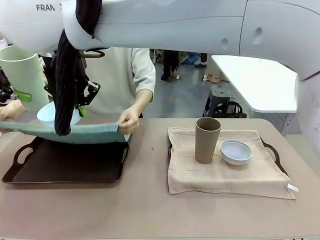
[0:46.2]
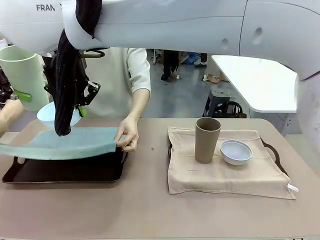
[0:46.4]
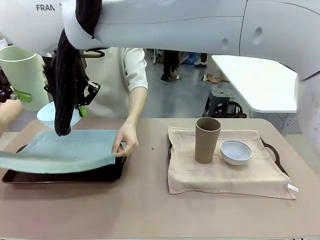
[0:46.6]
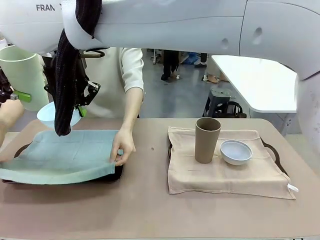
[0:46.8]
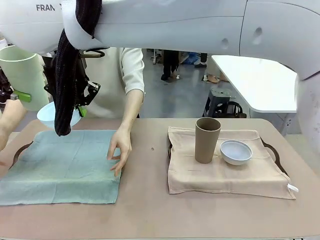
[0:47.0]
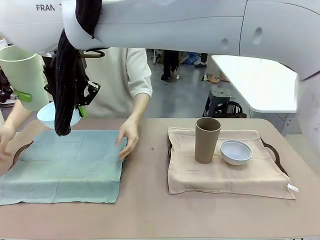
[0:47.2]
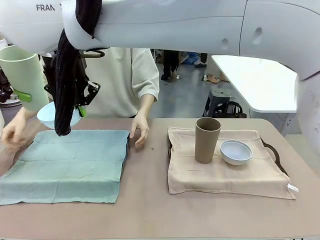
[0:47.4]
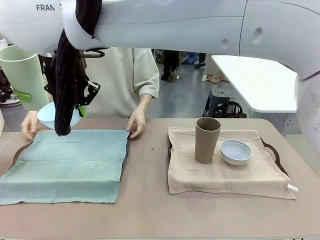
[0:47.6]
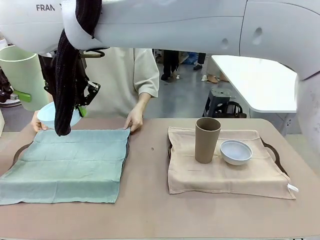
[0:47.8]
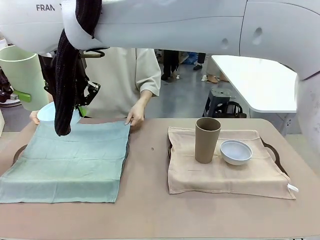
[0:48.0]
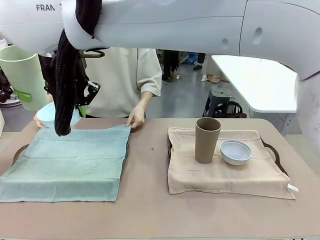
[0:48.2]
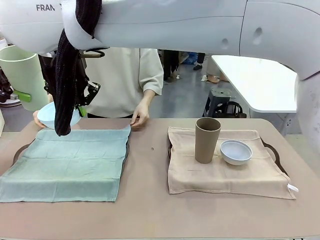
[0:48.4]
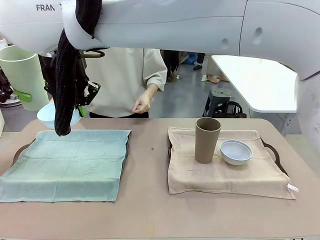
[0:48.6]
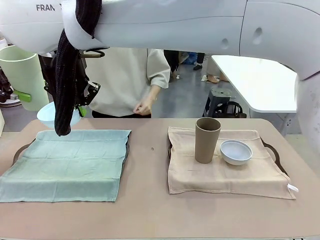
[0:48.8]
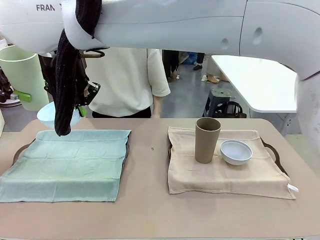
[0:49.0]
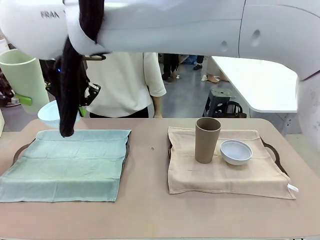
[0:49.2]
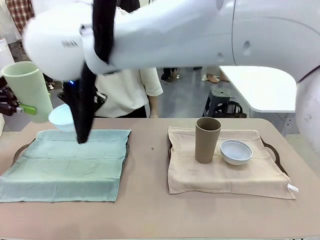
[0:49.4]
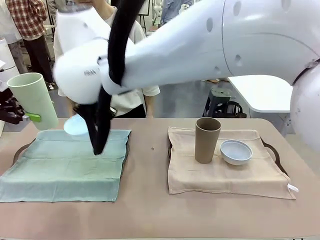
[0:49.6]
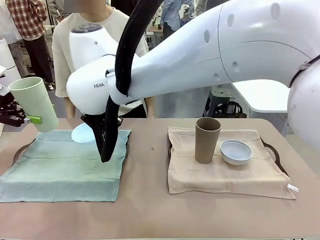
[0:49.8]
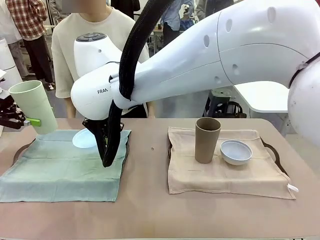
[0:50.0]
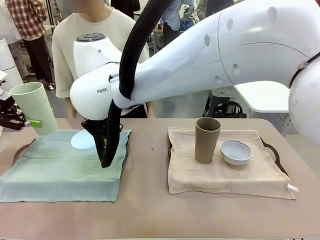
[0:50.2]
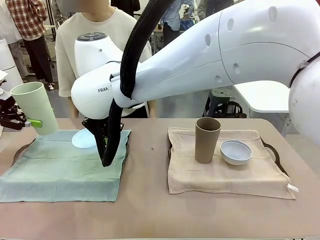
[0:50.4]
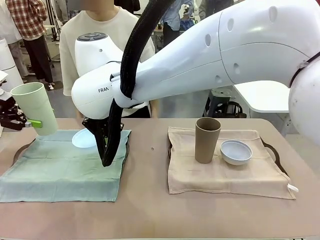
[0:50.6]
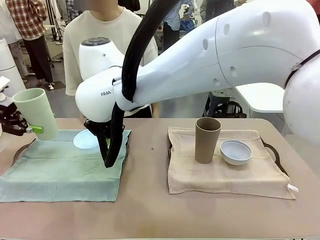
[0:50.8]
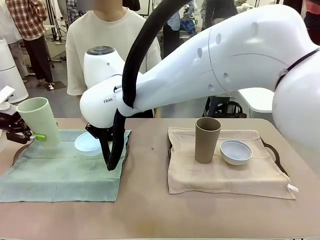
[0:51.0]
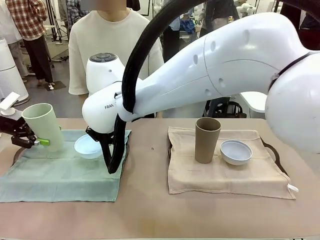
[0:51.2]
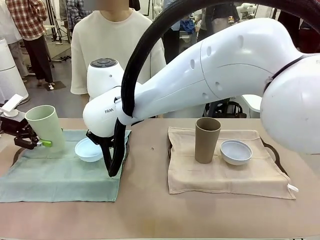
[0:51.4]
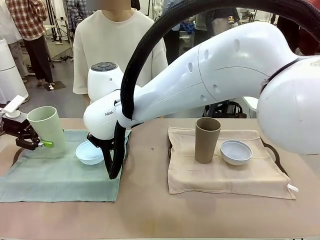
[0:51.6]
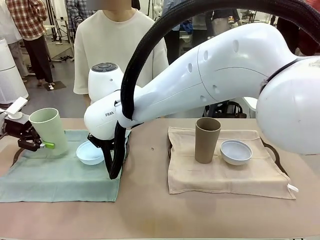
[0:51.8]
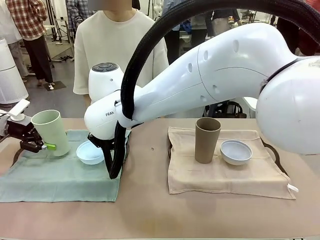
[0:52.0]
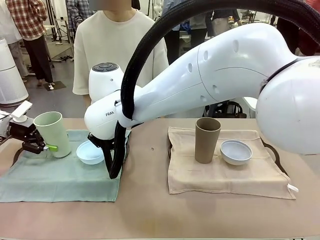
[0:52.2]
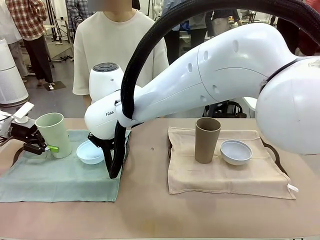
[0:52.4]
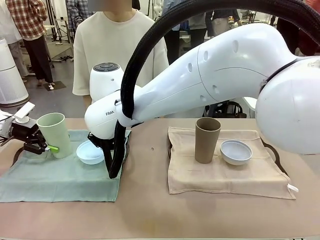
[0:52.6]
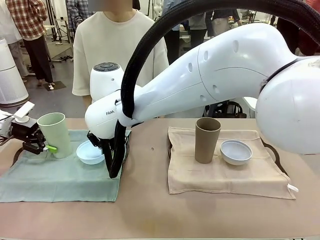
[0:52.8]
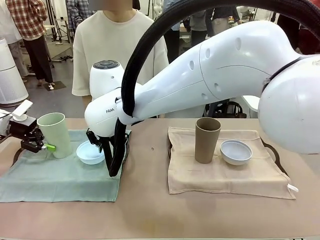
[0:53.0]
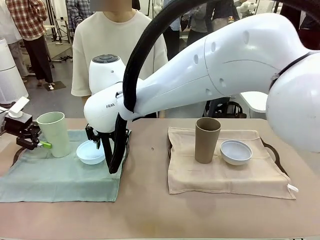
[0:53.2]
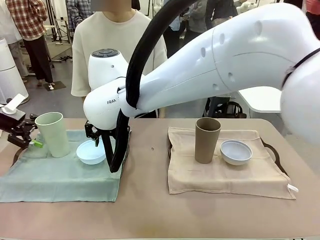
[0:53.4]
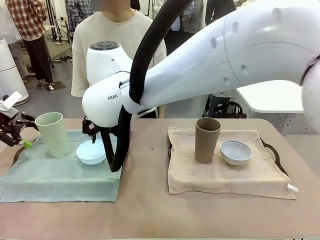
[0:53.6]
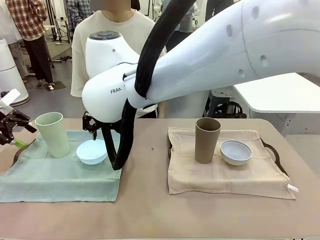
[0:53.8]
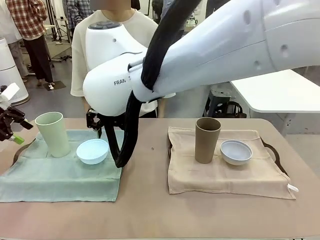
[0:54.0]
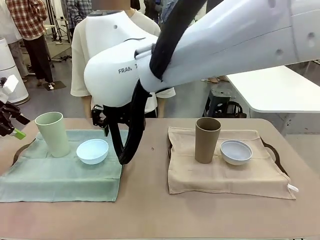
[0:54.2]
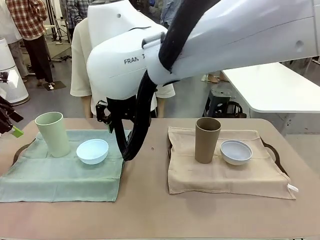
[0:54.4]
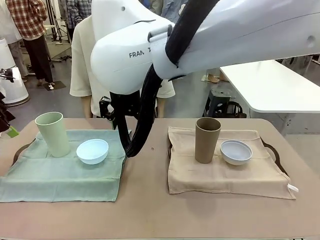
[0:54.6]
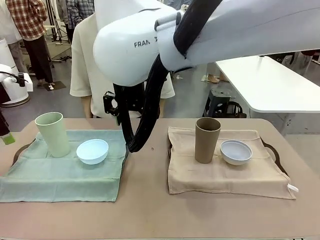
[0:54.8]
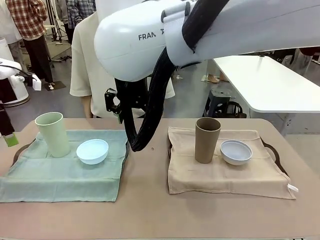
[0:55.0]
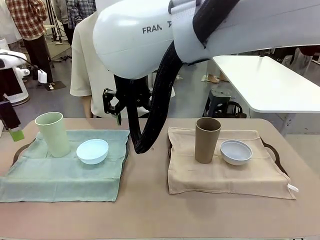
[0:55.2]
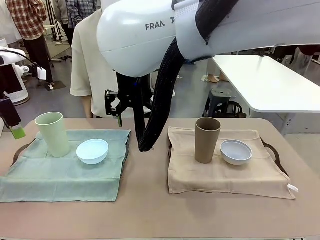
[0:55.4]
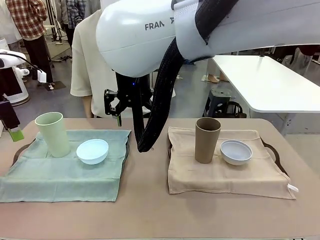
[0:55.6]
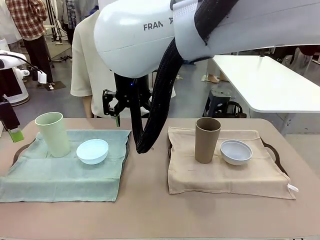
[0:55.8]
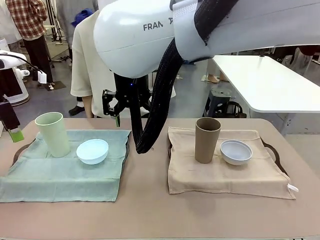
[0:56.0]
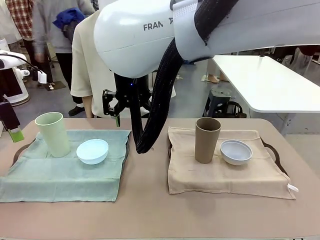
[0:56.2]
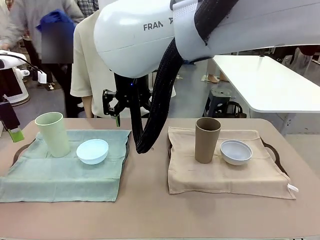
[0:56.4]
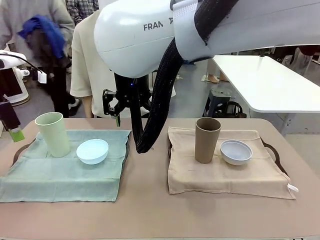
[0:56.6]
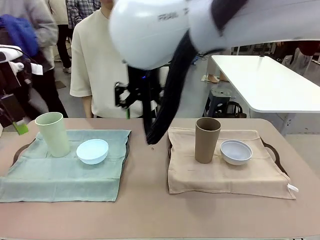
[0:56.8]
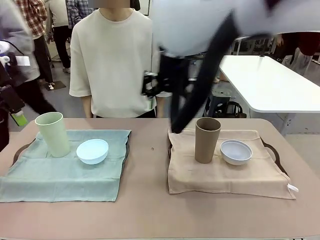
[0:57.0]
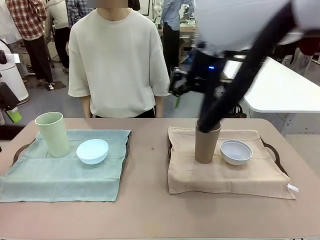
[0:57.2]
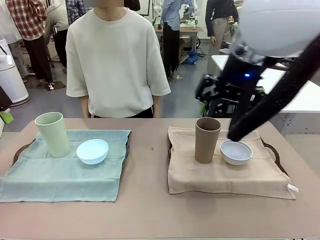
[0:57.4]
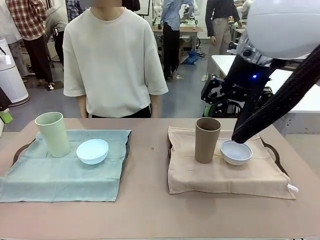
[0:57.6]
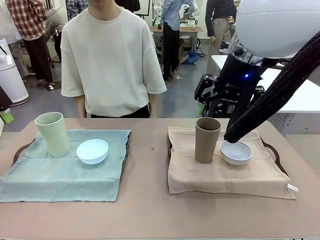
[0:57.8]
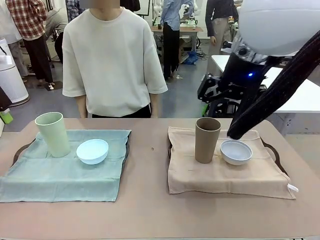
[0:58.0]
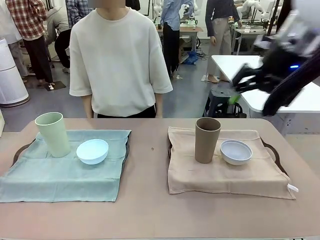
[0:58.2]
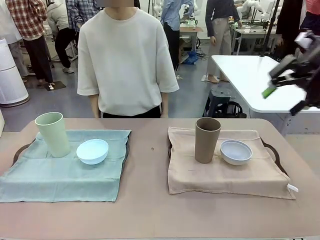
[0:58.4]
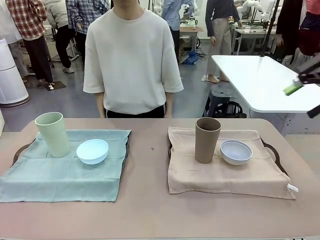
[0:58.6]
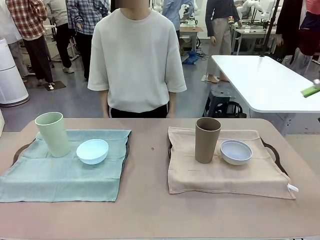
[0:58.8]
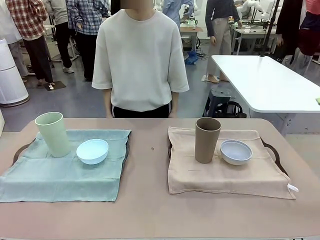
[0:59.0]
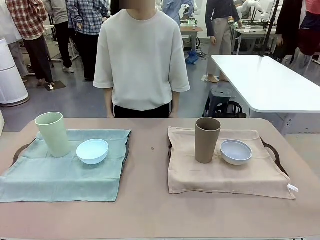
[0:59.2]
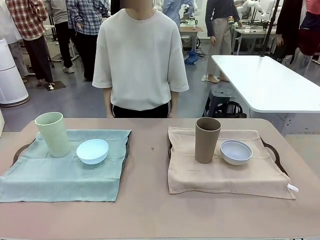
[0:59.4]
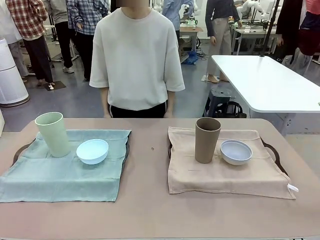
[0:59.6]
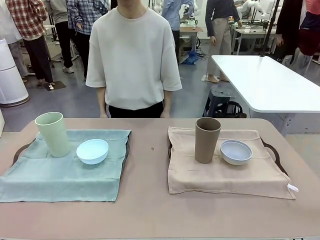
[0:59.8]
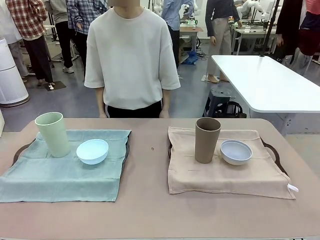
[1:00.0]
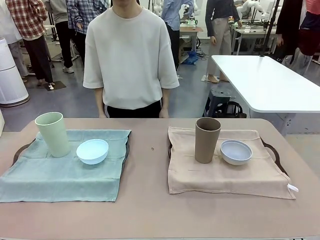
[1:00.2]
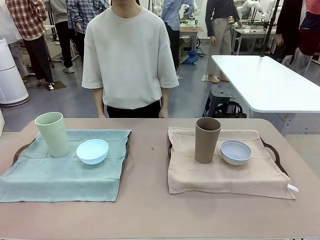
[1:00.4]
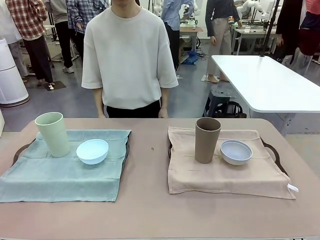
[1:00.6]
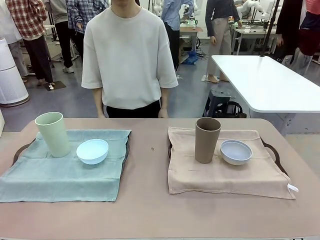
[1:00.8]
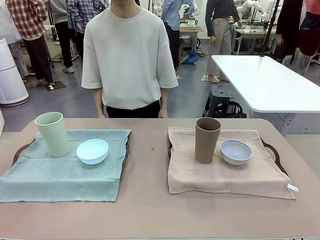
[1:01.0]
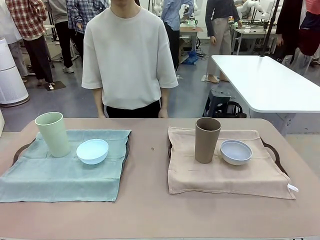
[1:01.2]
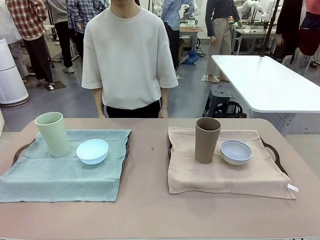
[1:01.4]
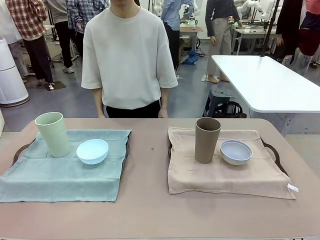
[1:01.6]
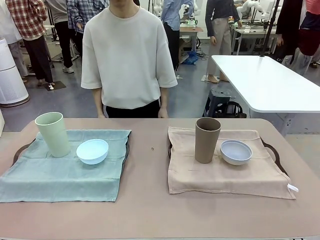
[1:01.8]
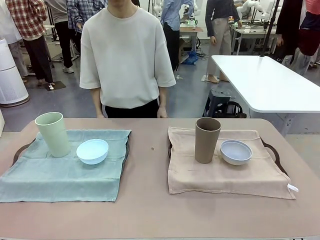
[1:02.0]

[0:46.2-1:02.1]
Robot: Place the Picnic Bowl and Reusable plastic cup back onto the Handle tray in front of the human's position.
Person: When the robot lifts the bowl and the cup, the human unfolds the napkin and lays the napkin flat on the tray.

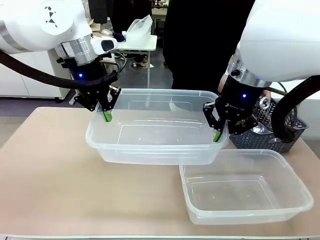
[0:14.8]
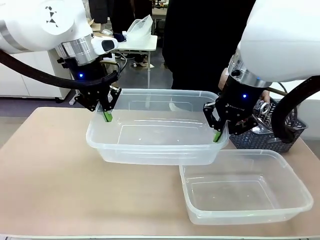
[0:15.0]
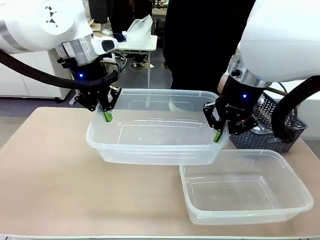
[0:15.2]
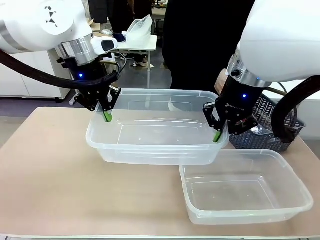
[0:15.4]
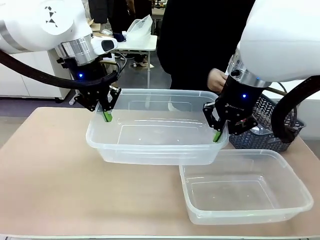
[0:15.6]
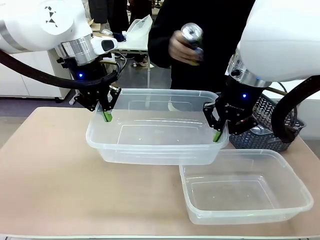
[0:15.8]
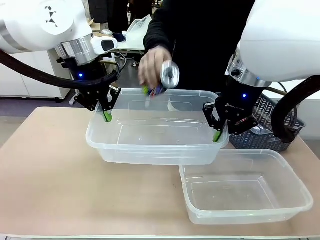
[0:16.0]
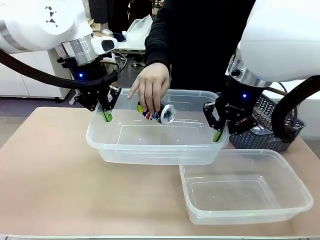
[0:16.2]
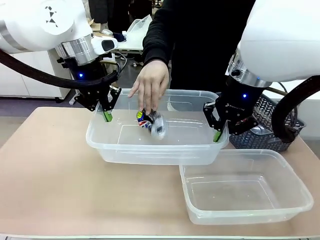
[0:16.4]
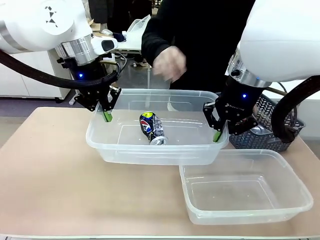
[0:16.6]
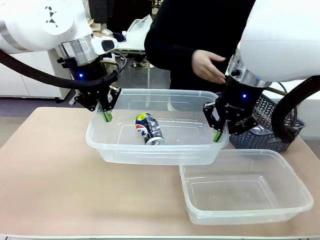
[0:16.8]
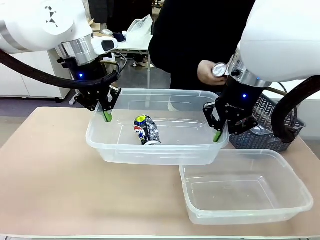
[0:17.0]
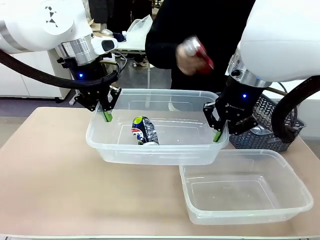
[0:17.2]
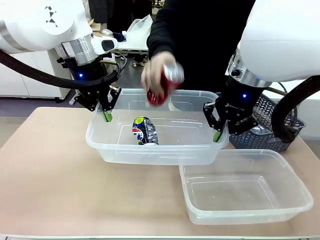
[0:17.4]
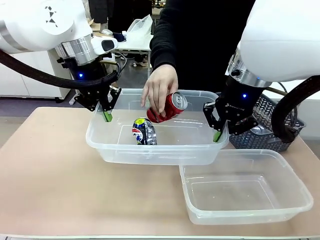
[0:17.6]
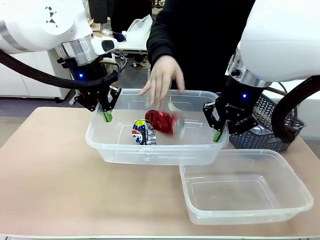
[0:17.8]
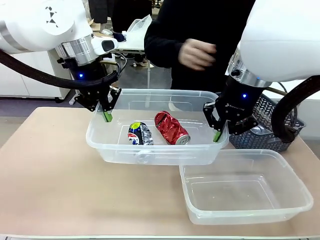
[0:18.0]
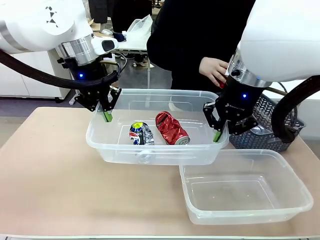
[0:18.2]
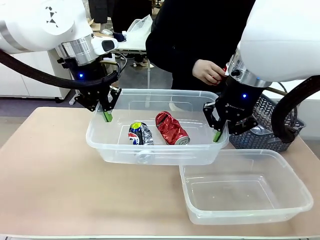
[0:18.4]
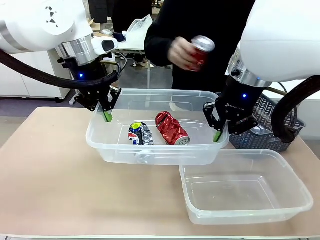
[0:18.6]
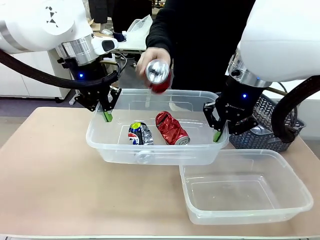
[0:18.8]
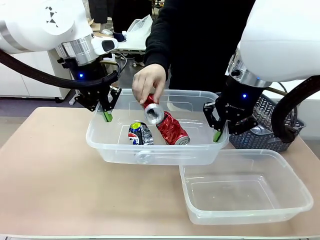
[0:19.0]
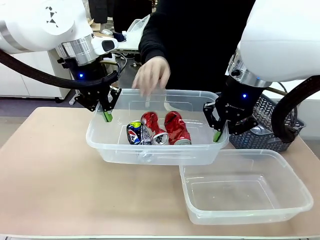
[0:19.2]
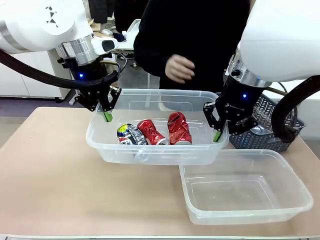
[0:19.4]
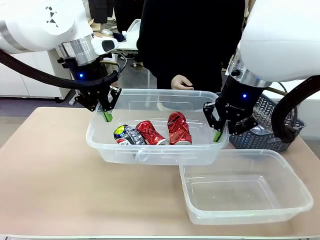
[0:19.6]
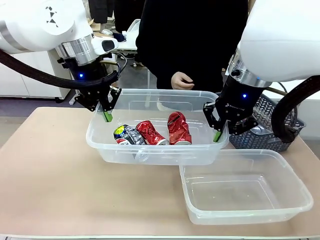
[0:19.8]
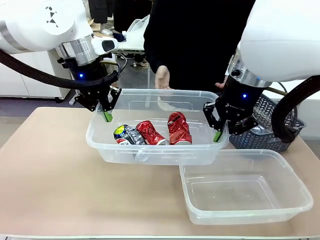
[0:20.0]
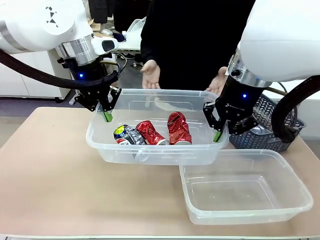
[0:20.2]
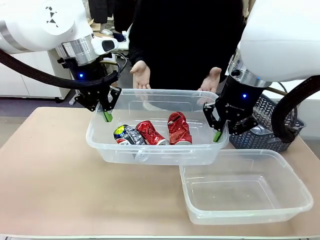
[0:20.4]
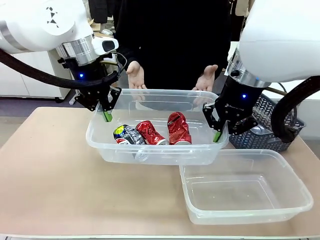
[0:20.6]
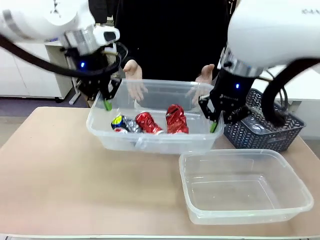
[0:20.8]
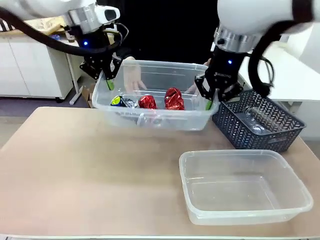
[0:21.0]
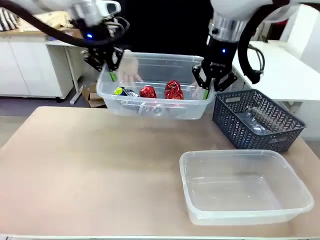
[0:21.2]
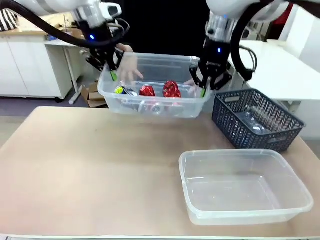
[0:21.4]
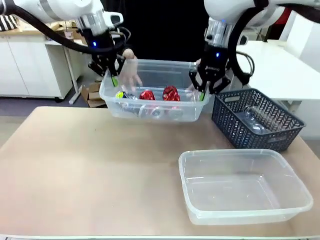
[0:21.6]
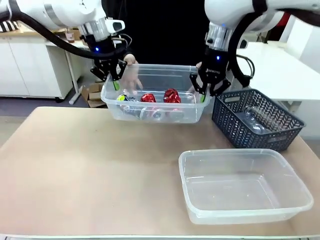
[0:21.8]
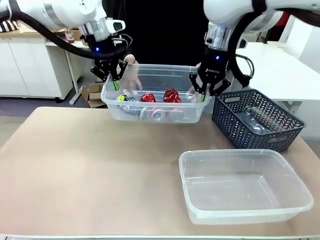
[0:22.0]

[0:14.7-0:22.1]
Robot: Offer the picked Organizing box to the human.
